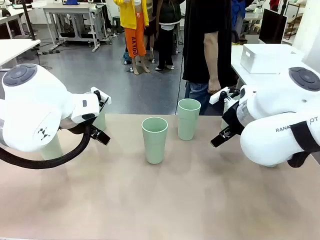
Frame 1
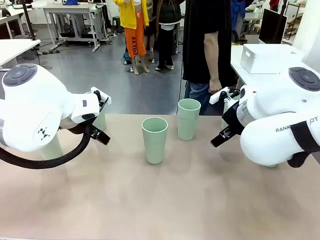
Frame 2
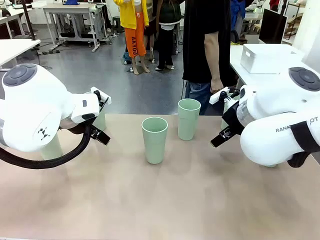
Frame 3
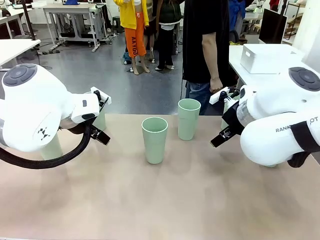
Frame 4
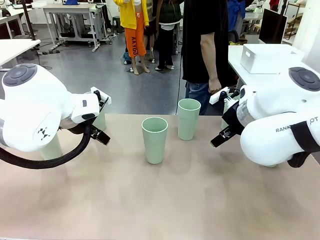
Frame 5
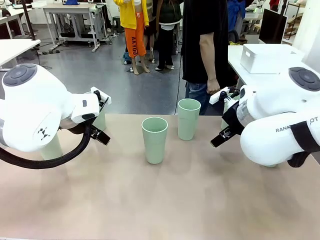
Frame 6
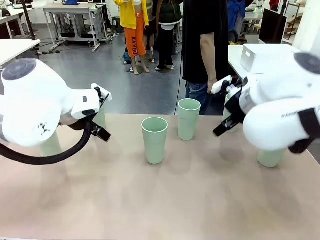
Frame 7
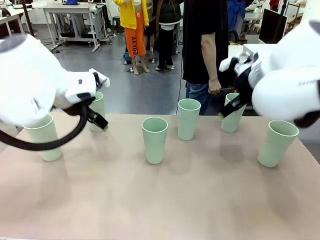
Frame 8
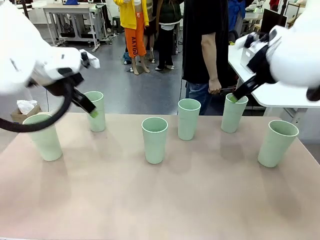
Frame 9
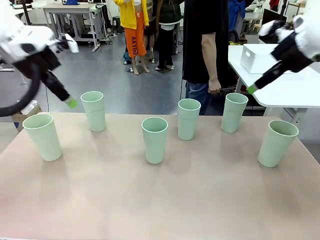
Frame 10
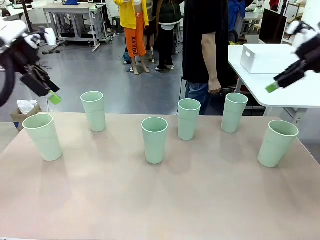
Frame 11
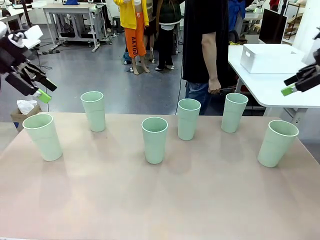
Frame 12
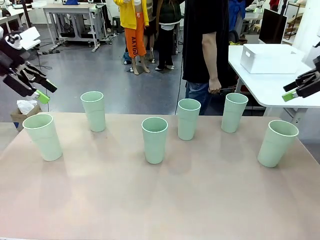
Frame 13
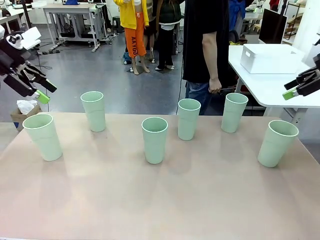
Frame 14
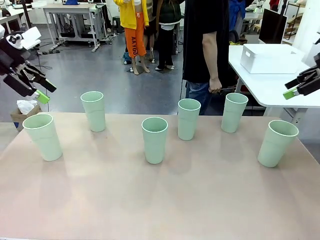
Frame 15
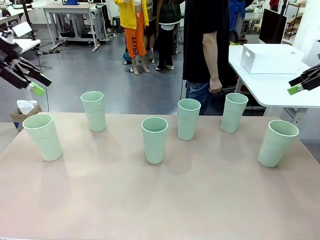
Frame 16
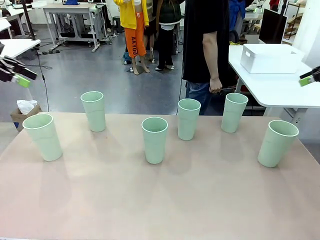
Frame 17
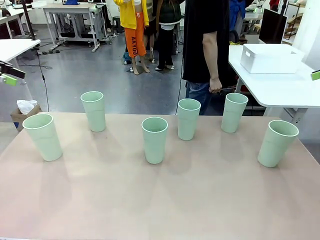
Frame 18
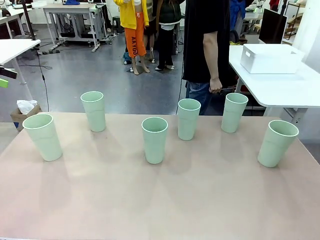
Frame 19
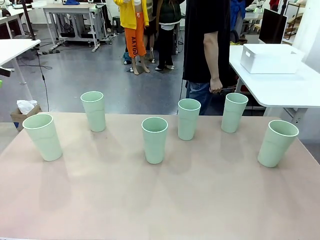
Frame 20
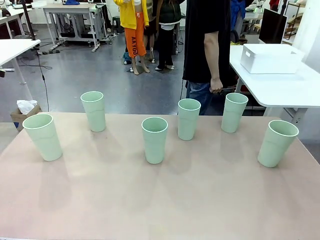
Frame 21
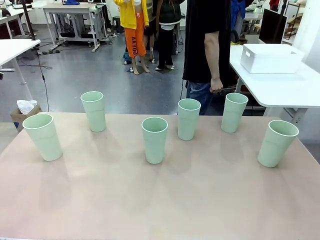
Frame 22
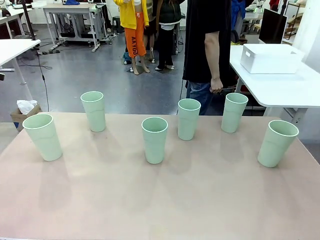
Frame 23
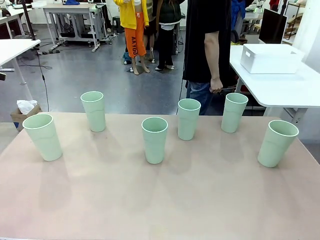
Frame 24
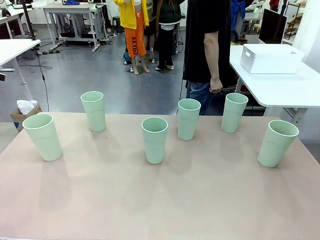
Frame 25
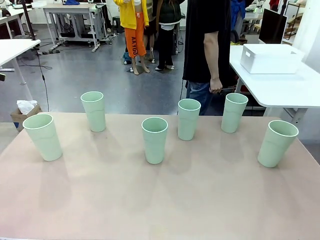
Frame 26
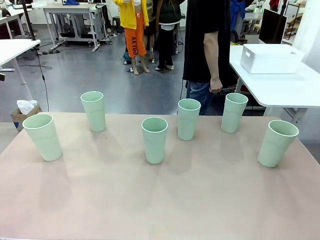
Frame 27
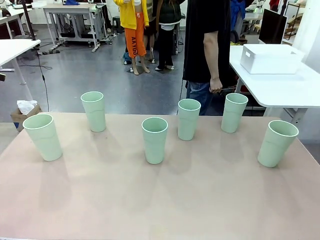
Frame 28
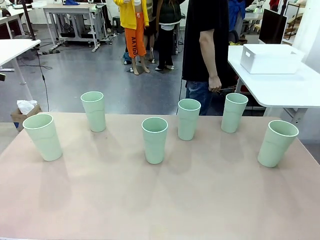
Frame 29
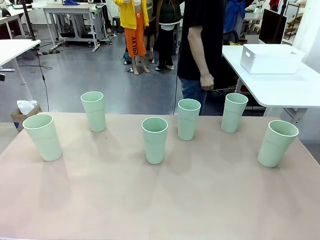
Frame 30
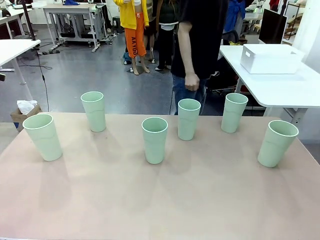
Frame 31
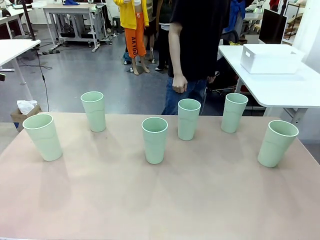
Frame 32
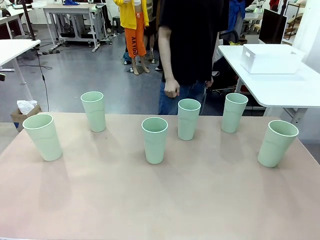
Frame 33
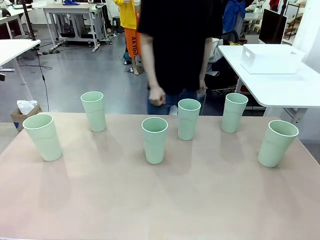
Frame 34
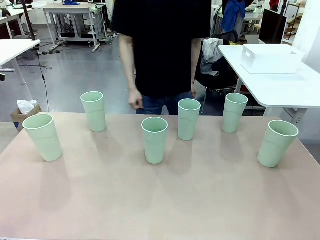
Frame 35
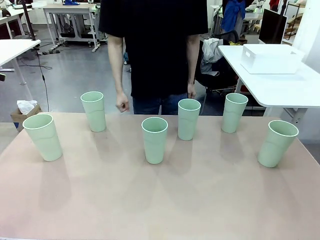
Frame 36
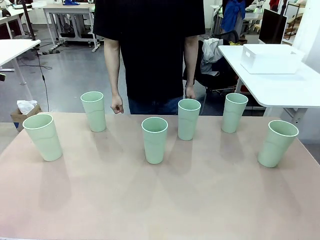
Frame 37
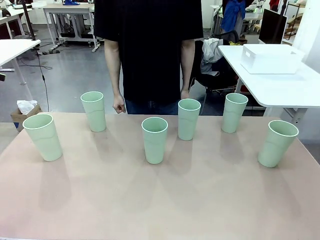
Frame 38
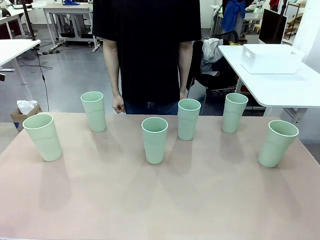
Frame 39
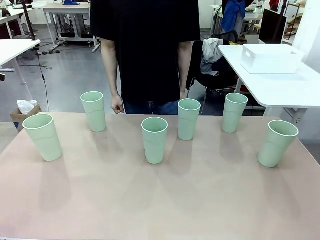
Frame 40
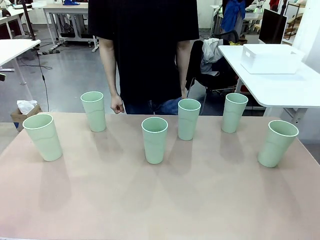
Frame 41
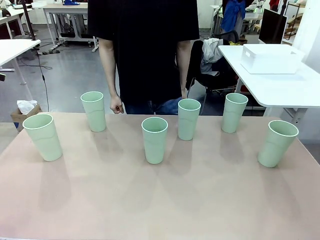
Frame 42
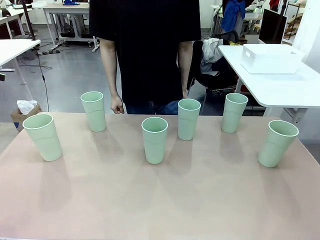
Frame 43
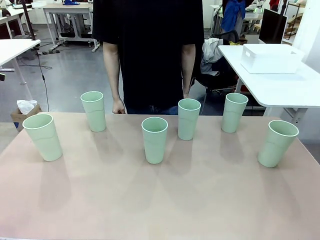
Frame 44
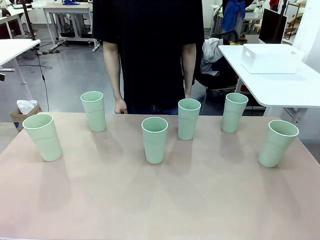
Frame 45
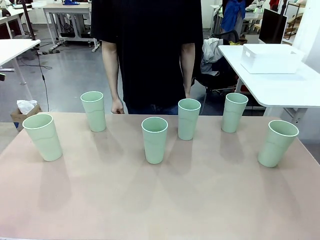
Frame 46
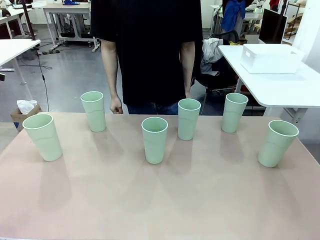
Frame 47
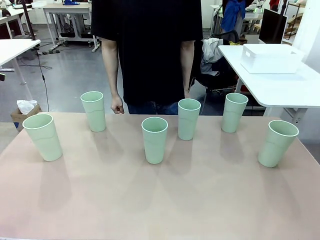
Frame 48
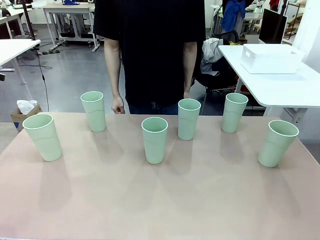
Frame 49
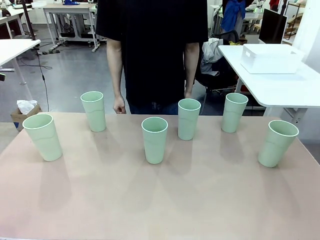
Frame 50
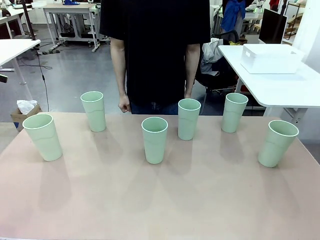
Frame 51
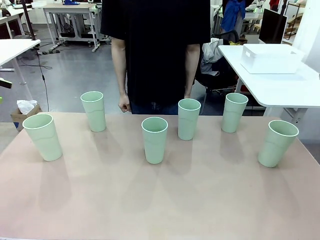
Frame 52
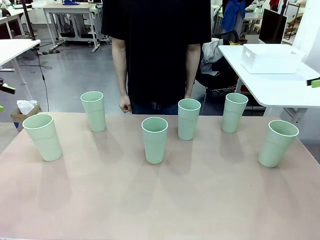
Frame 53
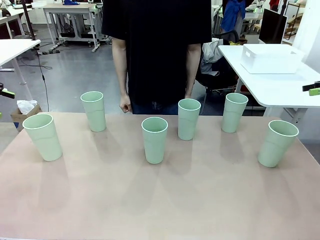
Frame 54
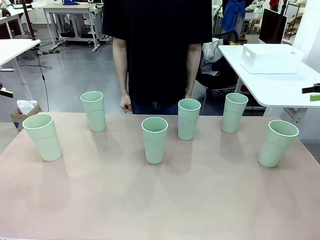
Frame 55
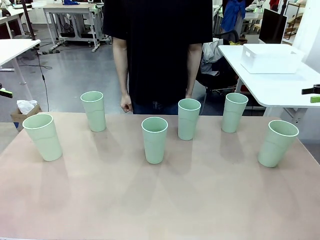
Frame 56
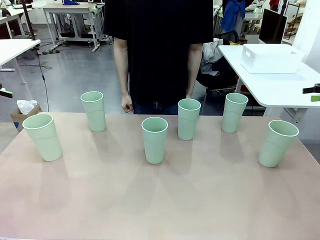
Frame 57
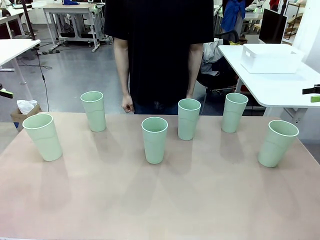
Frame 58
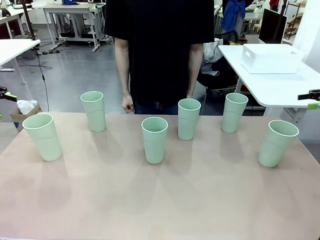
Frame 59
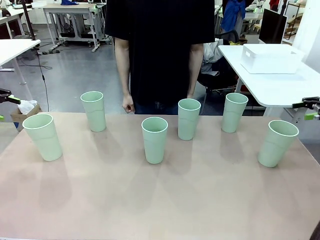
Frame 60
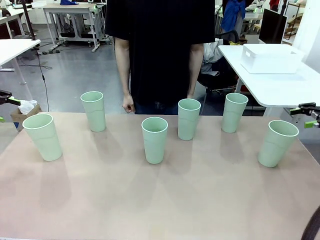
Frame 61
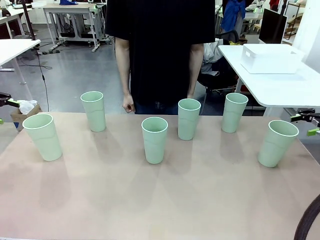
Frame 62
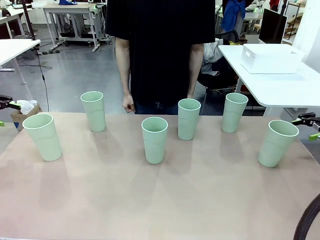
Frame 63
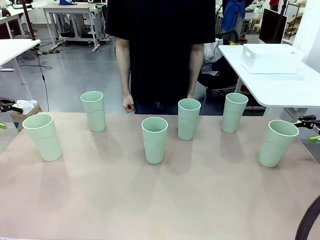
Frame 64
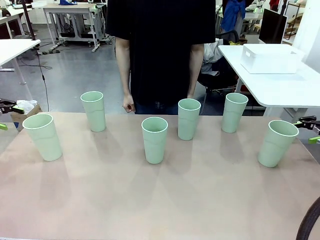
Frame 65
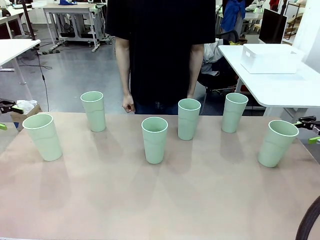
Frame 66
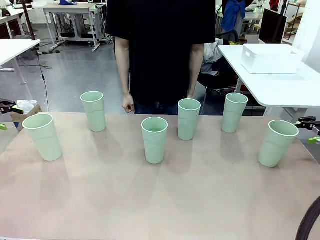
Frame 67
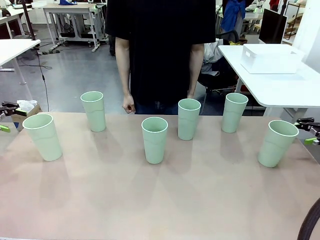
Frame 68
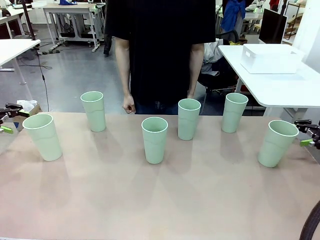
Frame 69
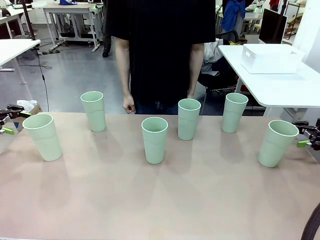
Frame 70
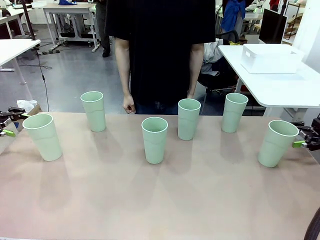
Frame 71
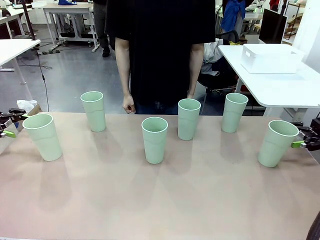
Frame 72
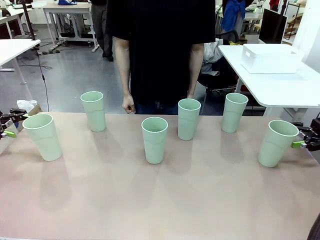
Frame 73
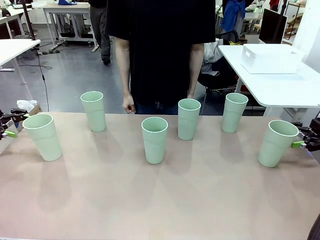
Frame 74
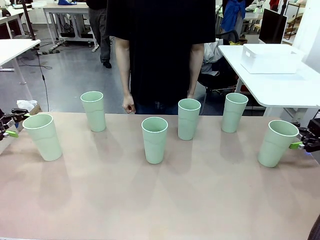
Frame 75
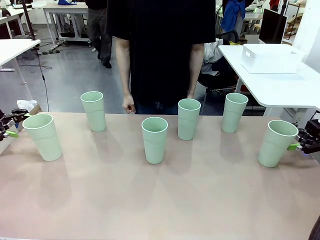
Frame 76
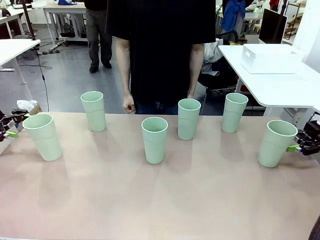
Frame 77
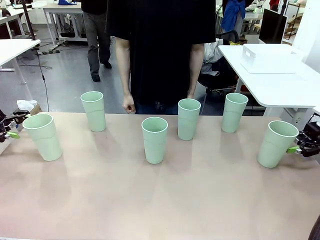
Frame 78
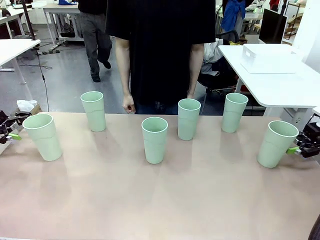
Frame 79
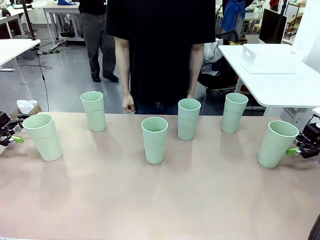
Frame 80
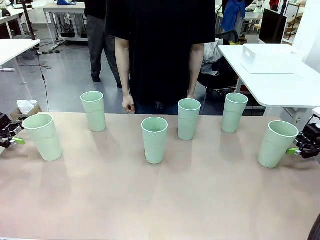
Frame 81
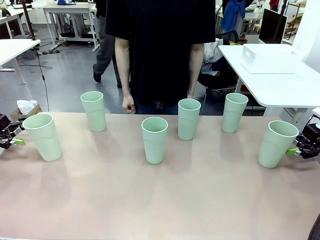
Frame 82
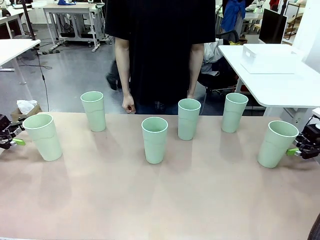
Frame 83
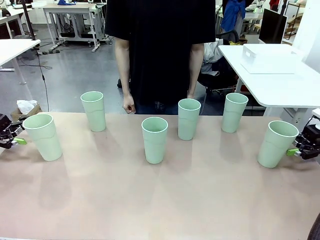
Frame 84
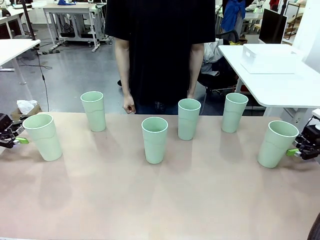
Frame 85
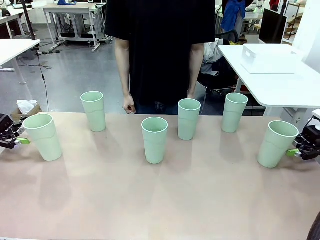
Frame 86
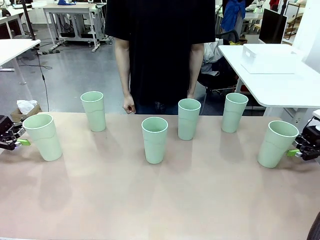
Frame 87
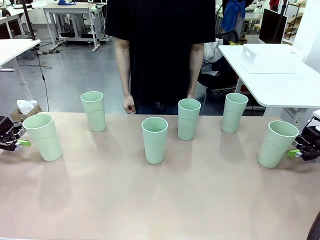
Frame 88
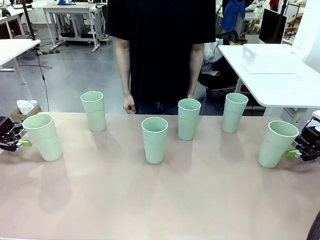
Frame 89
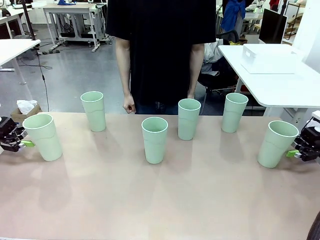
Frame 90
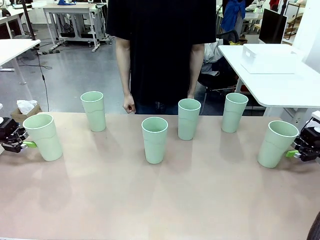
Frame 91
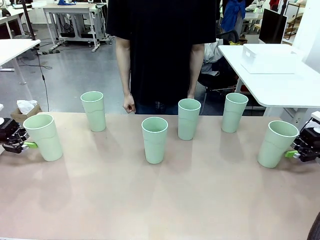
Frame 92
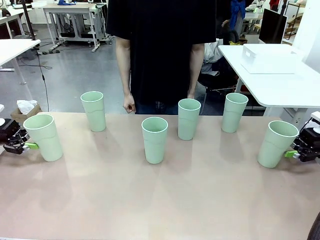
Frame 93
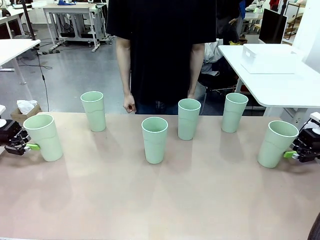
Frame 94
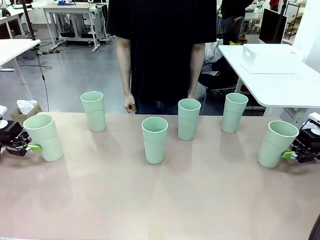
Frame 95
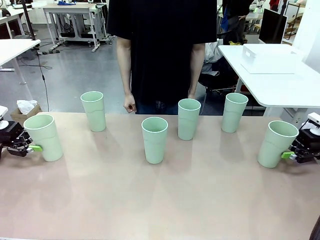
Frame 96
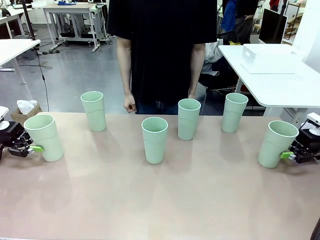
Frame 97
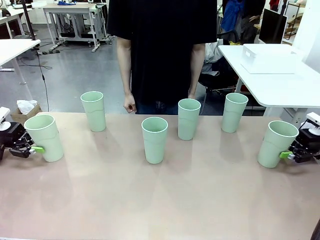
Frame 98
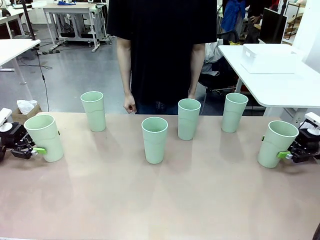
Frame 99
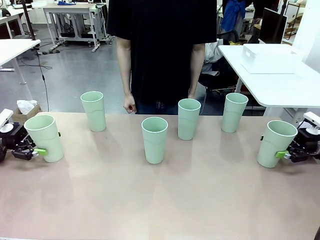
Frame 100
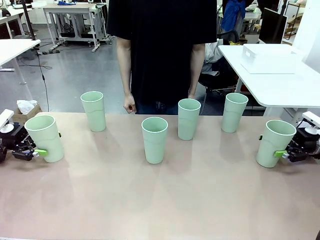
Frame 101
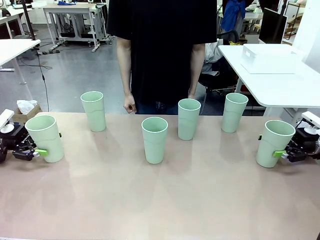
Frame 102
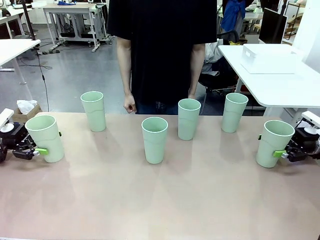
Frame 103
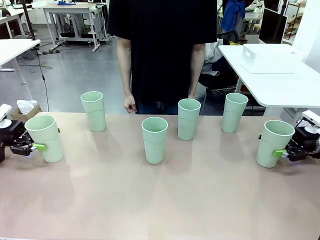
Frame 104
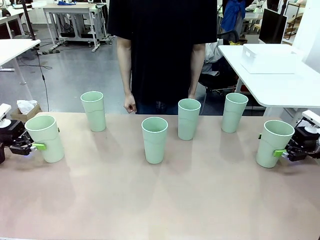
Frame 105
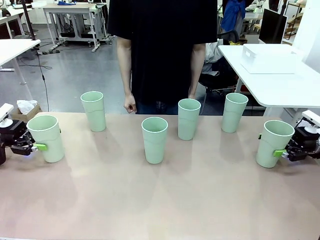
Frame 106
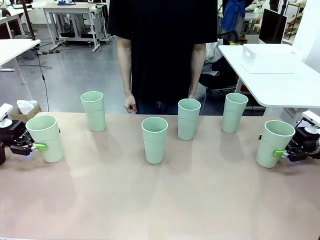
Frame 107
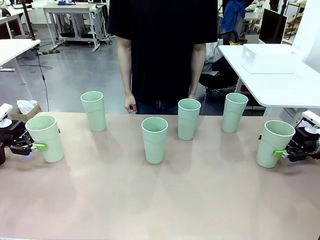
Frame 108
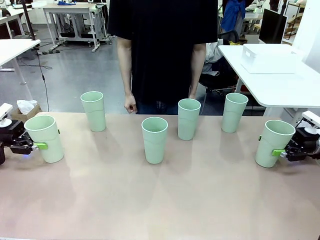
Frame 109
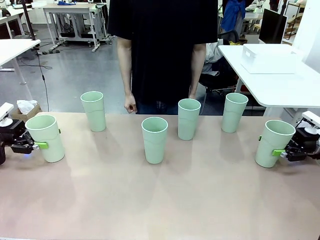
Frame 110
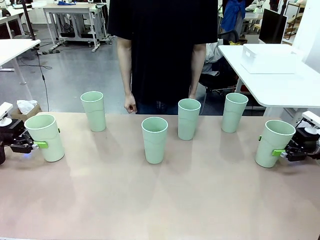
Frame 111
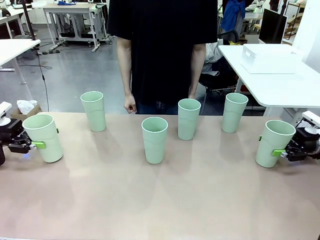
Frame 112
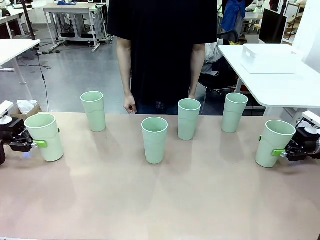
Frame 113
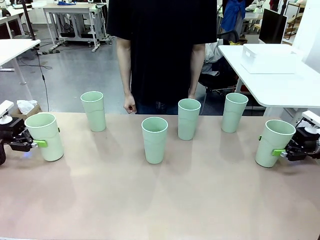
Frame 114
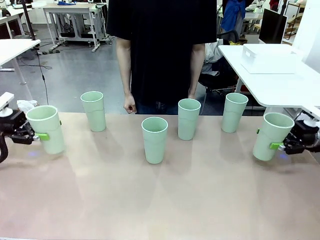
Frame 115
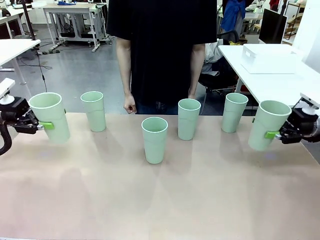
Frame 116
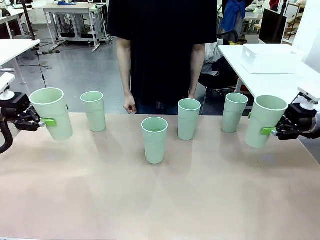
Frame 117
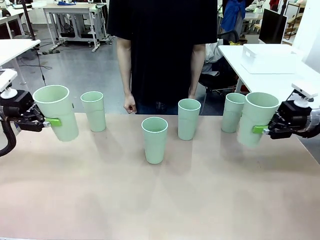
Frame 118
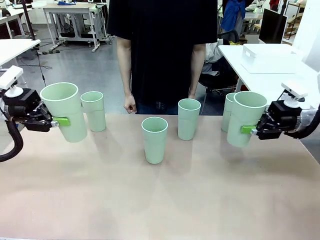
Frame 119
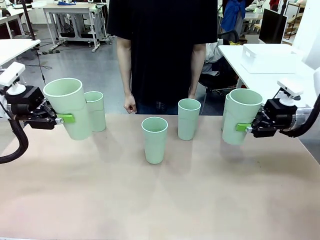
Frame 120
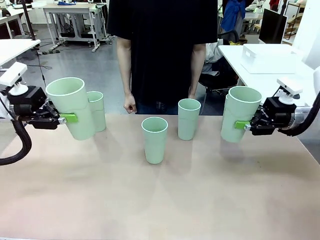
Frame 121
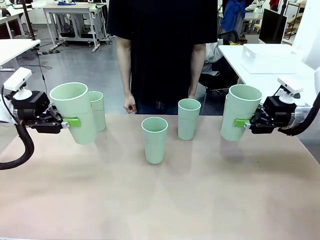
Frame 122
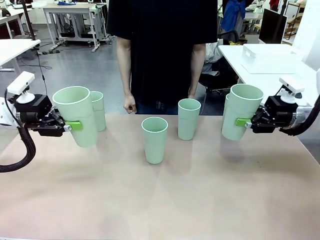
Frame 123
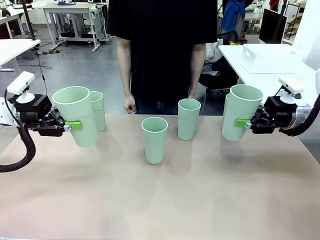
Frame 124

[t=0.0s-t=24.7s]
Task: Stack the cups and store them in the basket.
Robot: Pick up two Reusable plastic cups , one in each hand.
Person: Move from the Human Table to the front of the Robot Table. Stack two of the remaining cups on top of each cup held by the robot.
